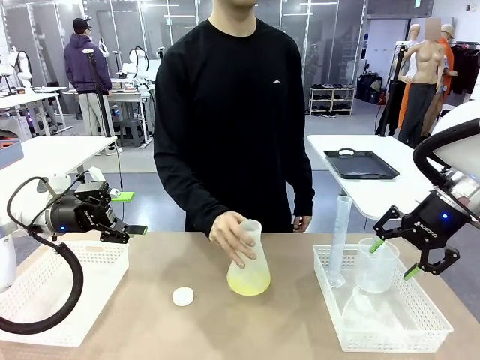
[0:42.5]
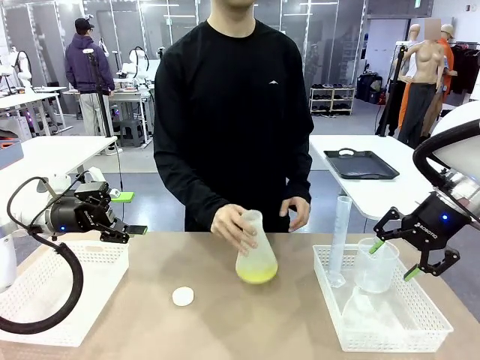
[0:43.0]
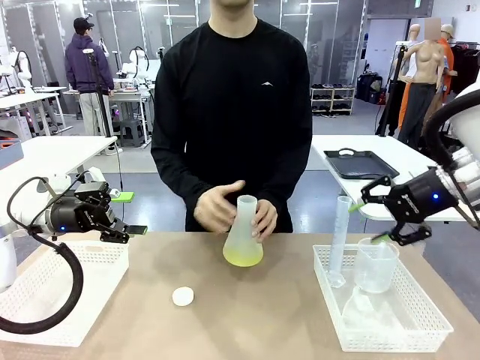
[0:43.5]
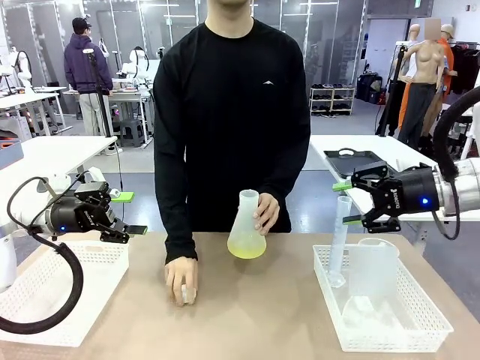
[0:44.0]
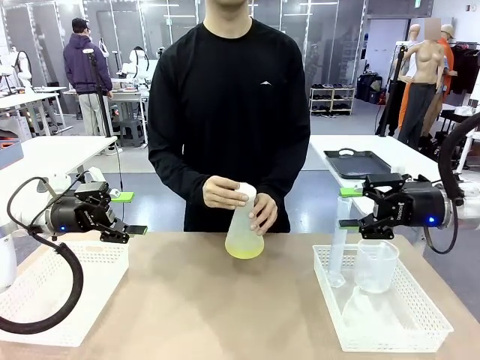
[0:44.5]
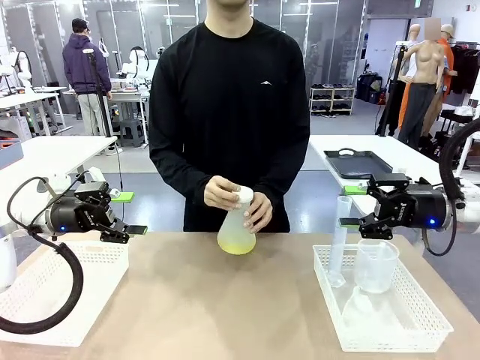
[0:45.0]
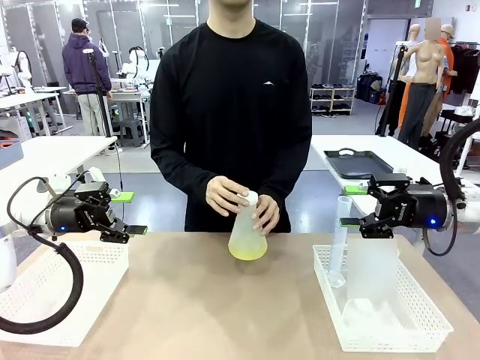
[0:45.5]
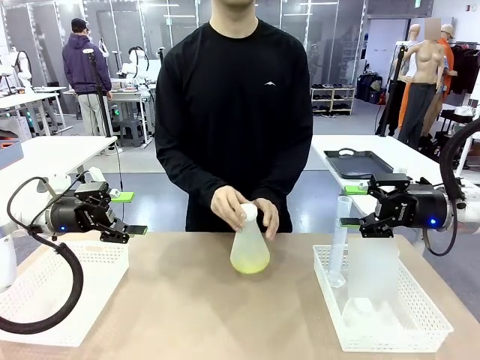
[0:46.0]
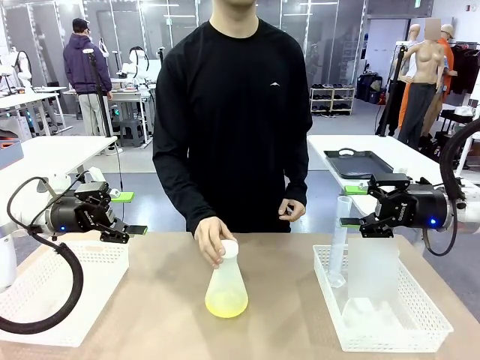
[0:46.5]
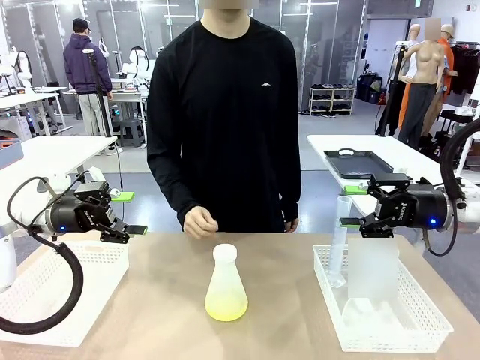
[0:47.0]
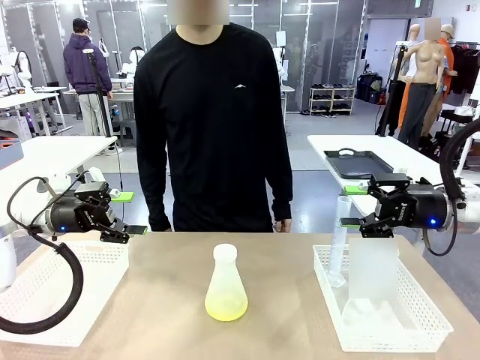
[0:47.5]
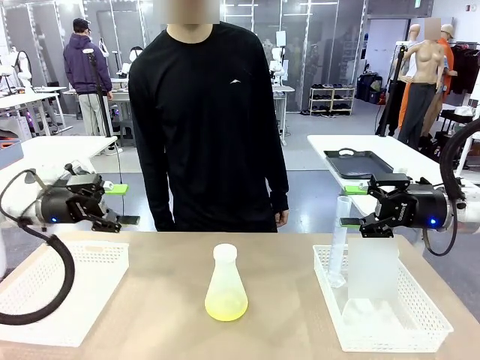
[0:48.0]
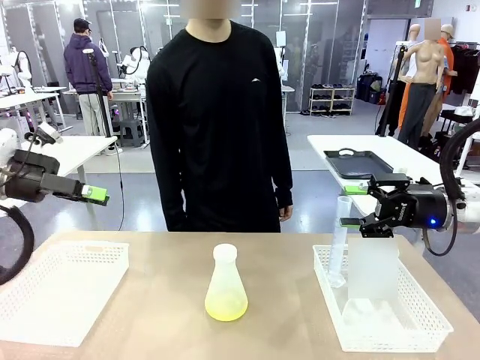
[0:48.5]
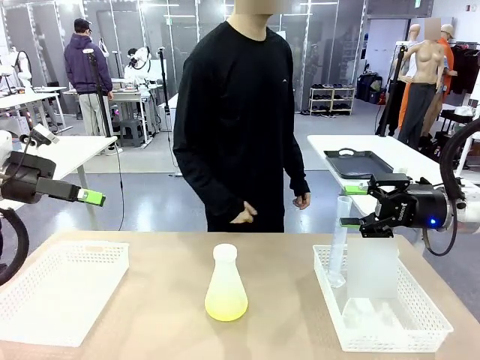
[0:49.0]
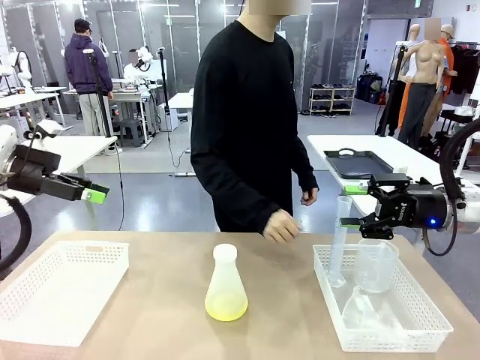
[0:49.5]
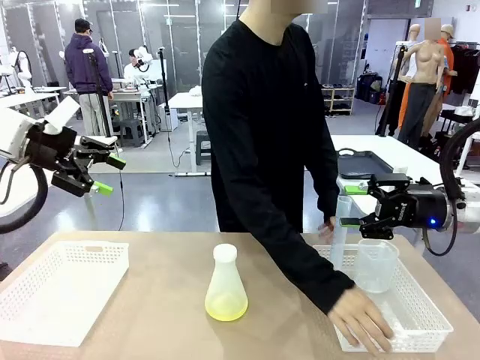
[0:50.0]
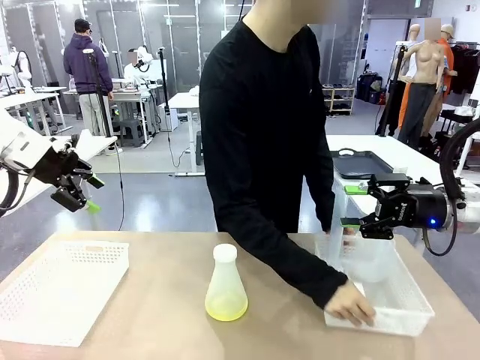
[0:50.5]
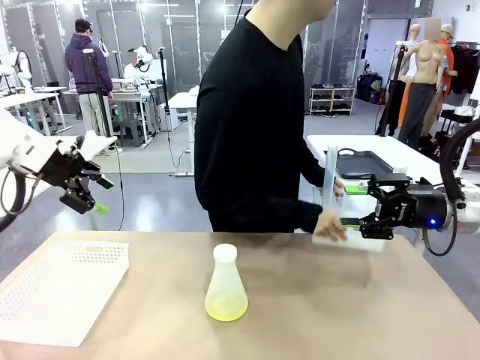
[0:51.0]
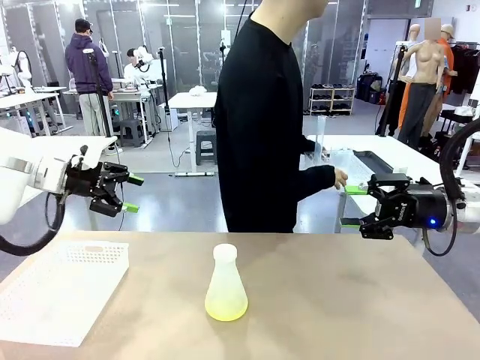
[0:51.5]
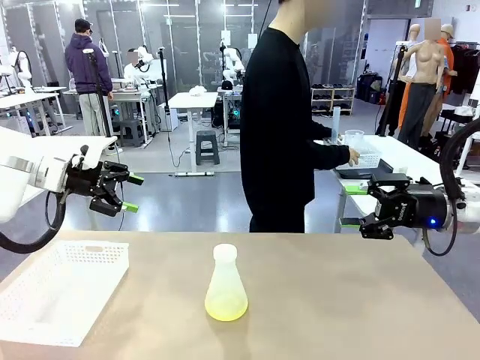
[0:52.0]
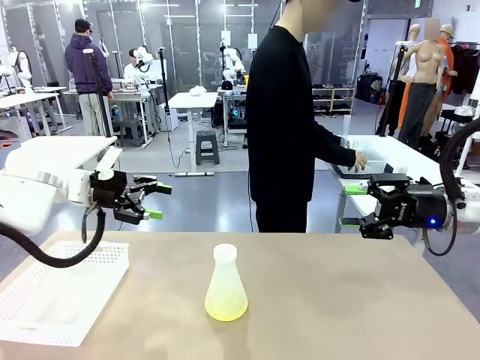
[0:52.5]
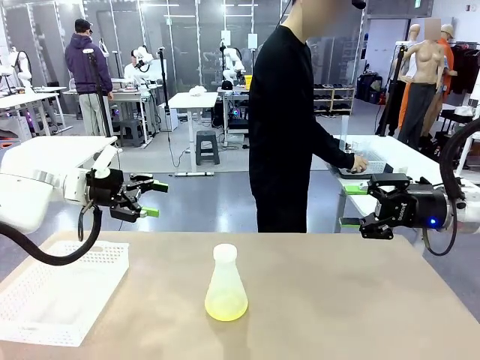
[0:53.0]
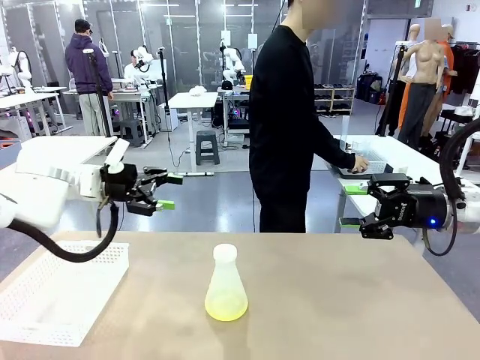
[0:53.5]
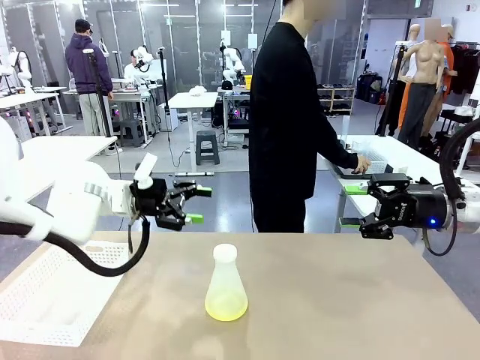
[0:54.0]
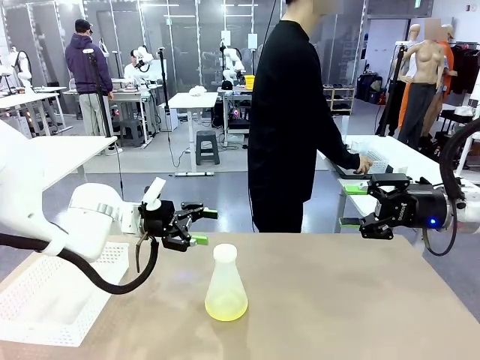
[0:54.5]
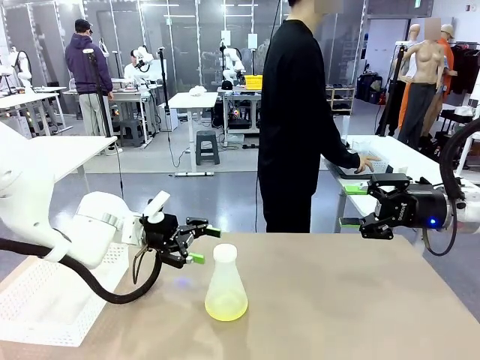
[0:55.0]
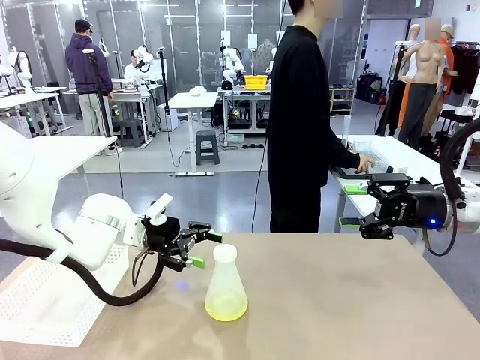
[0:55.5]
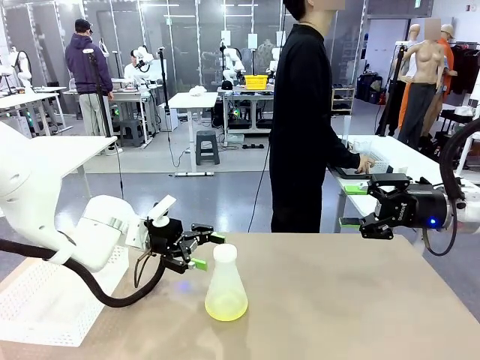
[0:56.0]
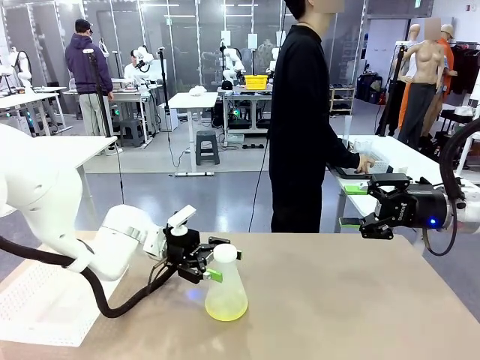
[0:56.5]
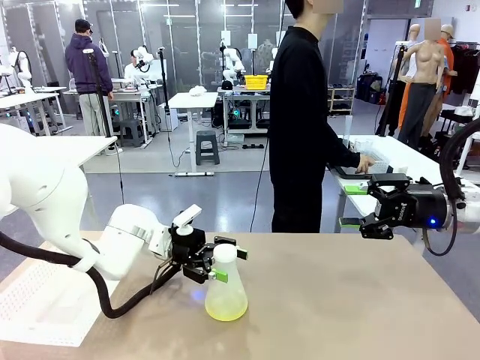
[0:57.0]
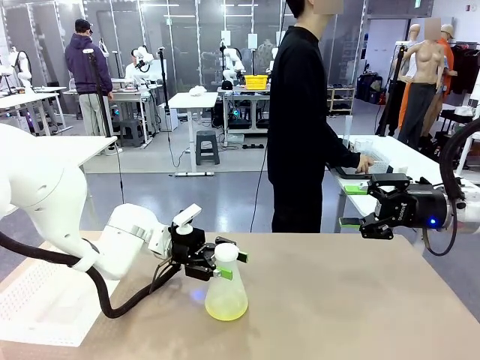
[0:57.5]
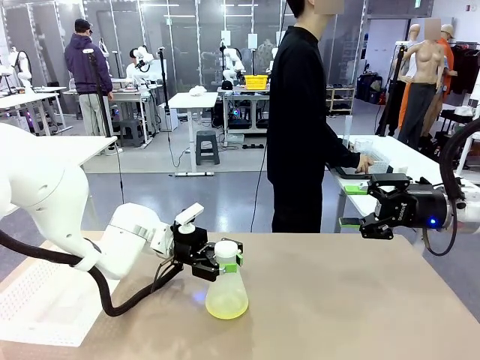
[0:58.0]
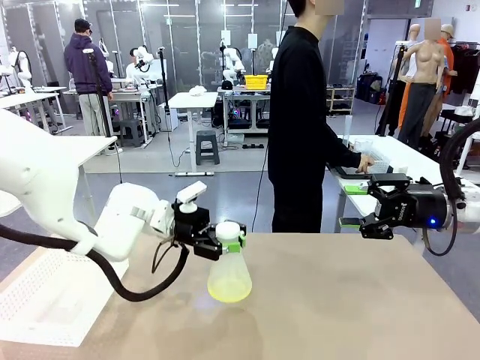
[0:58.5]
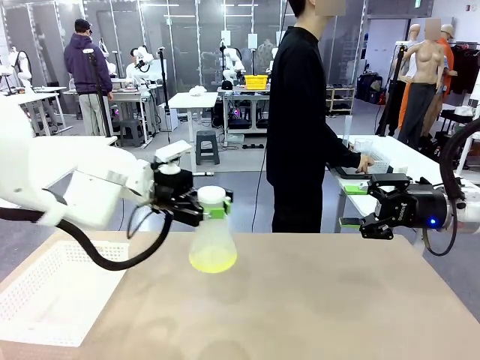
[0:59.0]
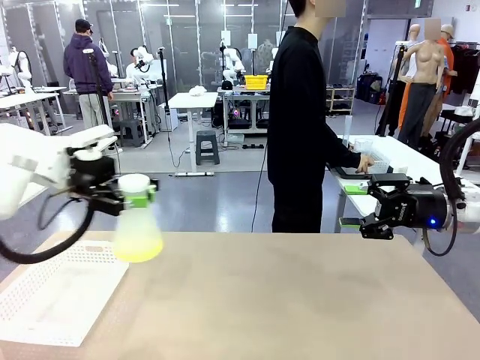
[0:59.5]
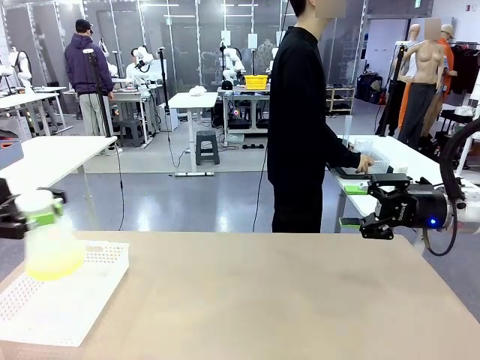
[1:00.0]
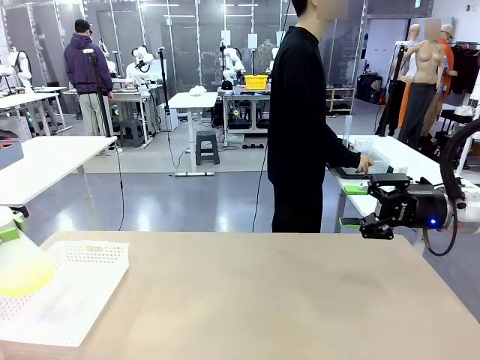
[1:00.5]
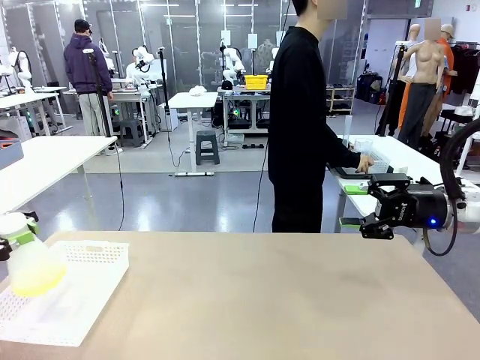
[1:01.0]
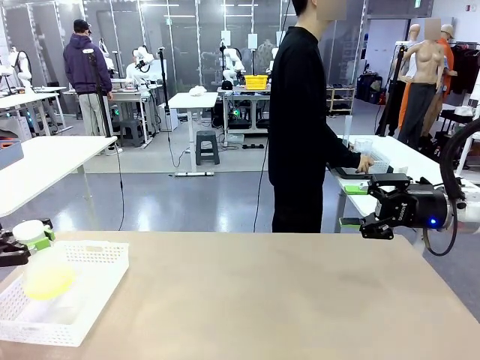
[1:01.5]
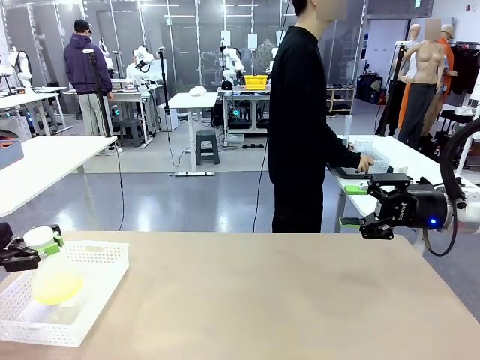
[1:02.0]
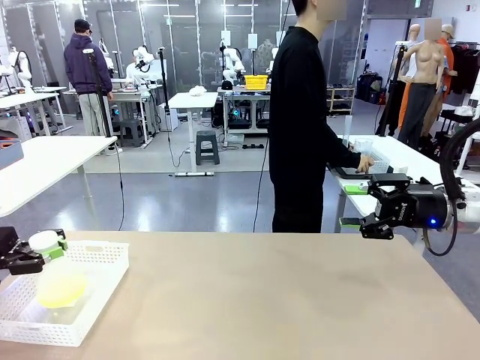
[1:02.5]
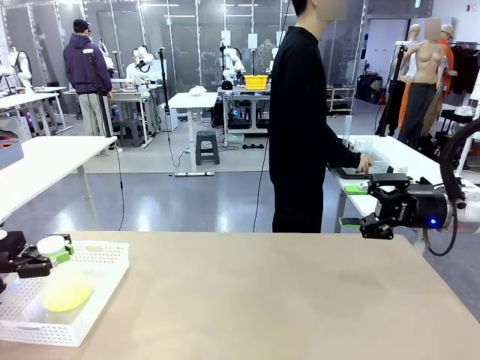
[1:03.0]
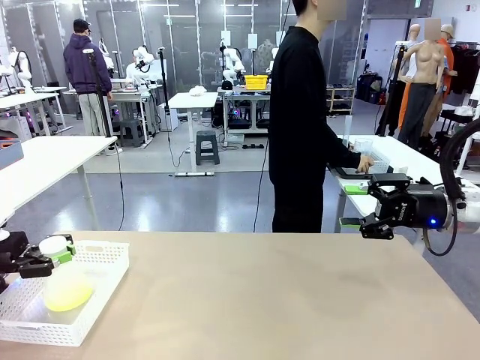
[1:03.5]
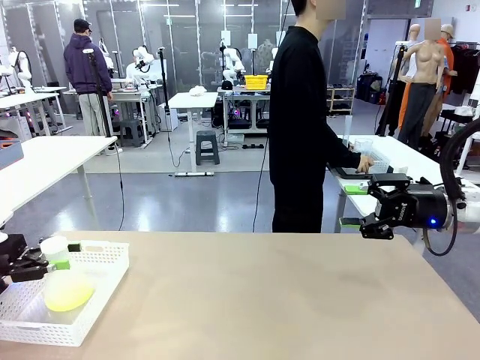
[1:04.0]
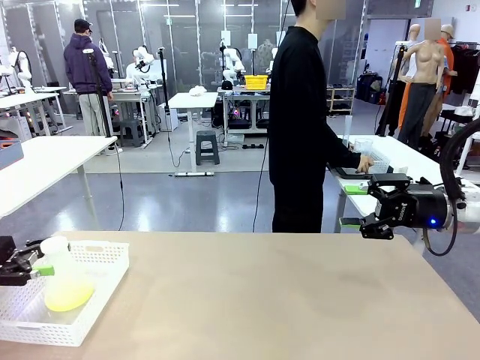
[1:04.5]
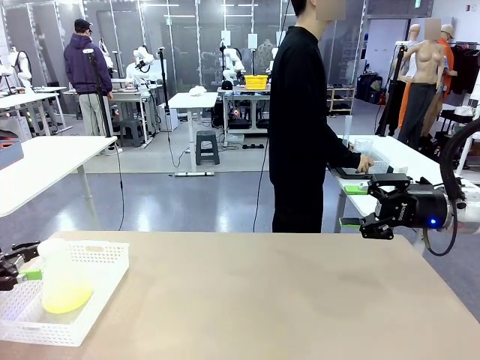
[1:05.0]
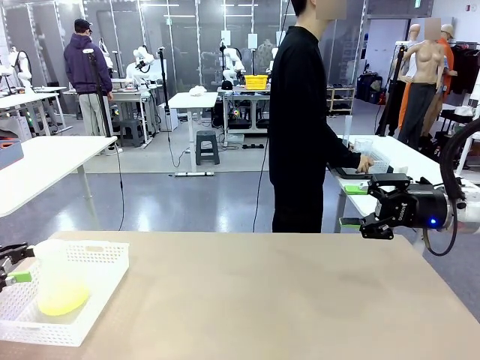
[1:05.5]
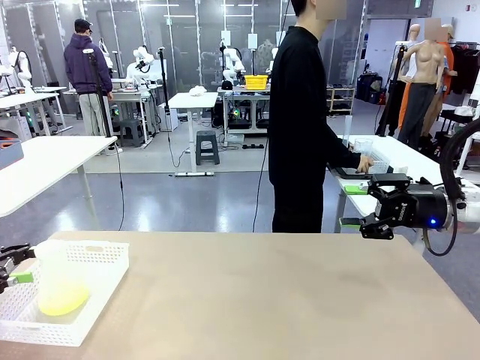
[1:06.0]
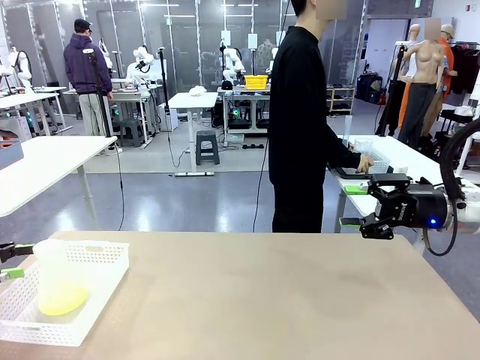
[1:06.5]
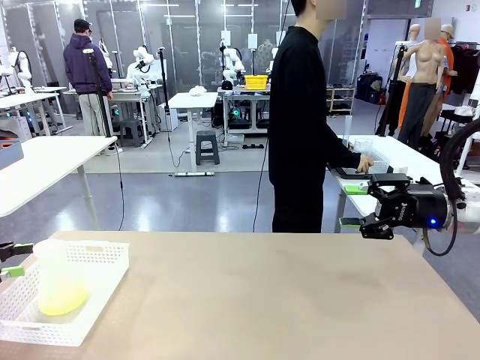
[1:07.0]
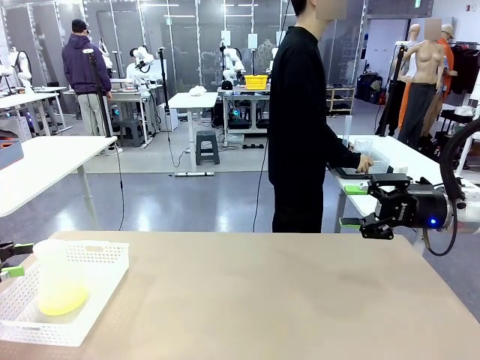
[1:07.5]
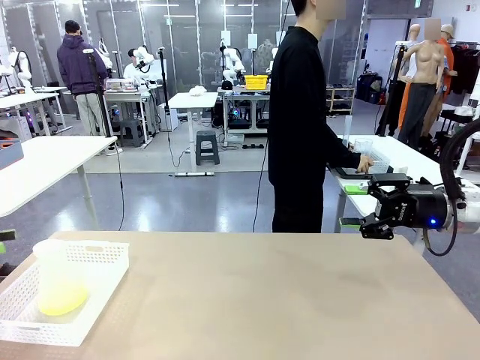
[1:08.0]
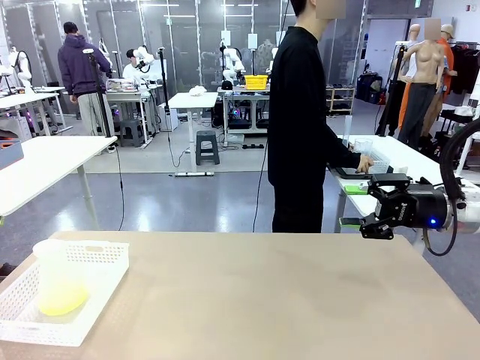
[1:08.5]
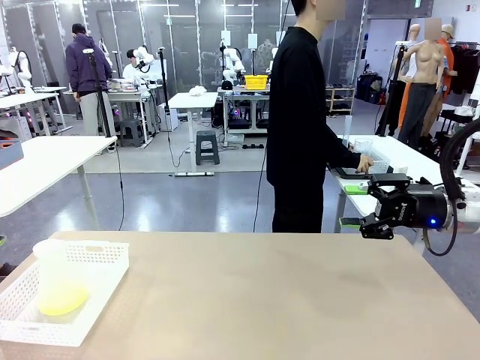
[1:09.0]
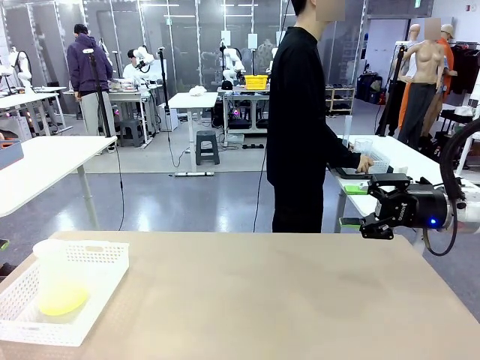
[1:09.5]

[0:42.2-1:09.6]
Task: Prepare the solutions needed for the experiment.
Robot: When the human places the Big flask in the center of the table, pick up the Big flask and place it in the left Organizing basket.
Person: Pick up the organizing basket on the left side of the robot table and place it on the left side of the human table.
